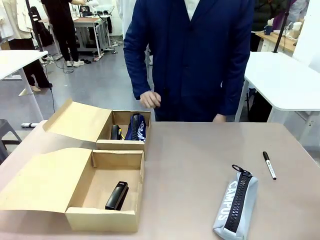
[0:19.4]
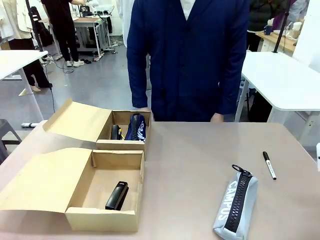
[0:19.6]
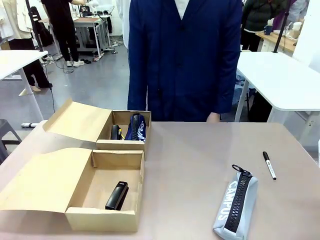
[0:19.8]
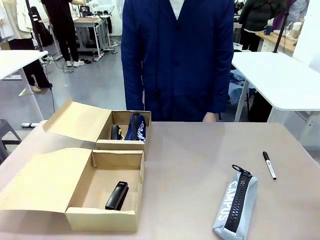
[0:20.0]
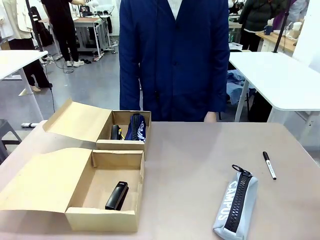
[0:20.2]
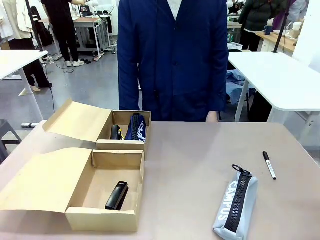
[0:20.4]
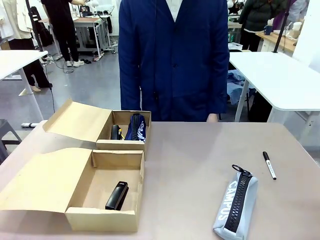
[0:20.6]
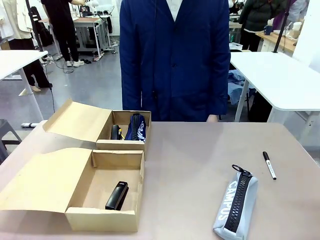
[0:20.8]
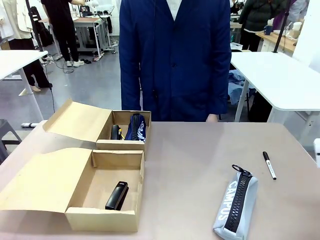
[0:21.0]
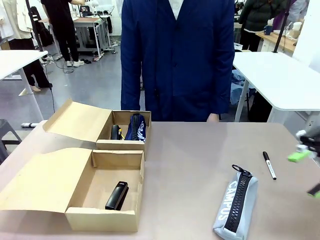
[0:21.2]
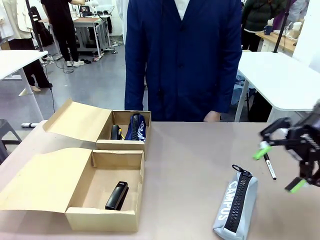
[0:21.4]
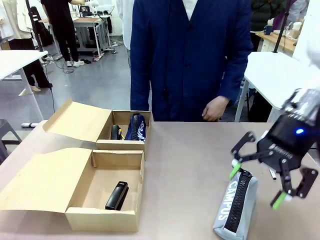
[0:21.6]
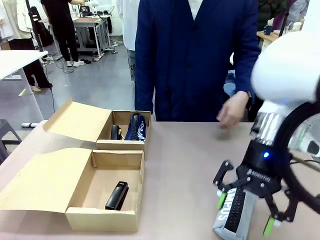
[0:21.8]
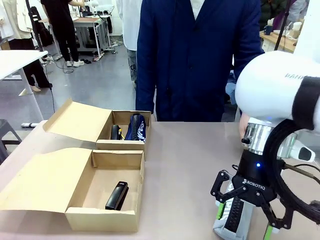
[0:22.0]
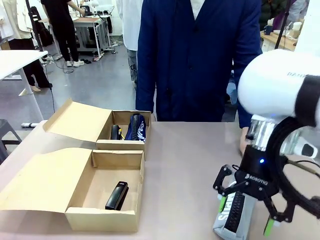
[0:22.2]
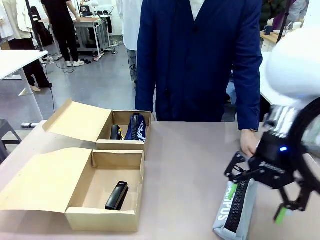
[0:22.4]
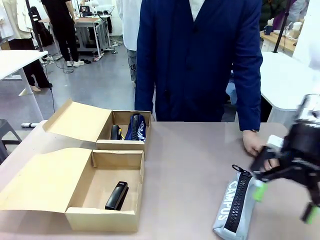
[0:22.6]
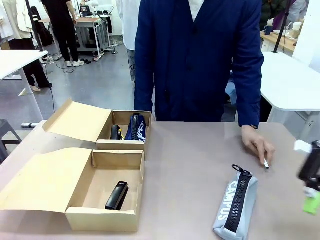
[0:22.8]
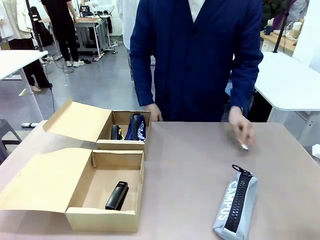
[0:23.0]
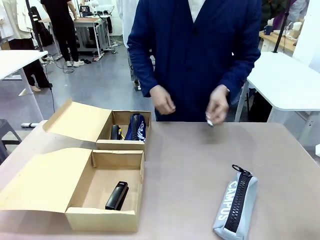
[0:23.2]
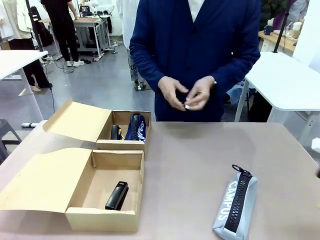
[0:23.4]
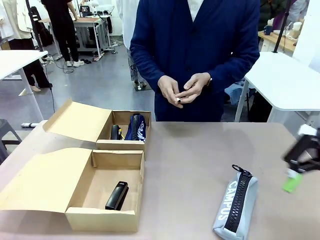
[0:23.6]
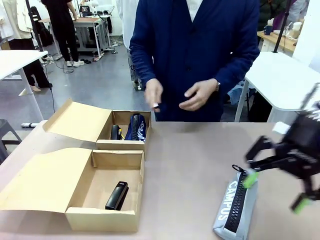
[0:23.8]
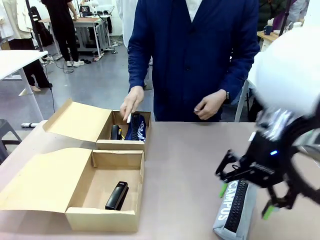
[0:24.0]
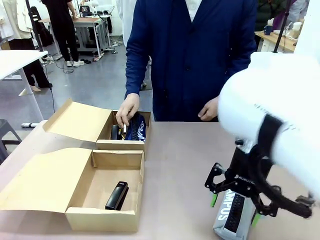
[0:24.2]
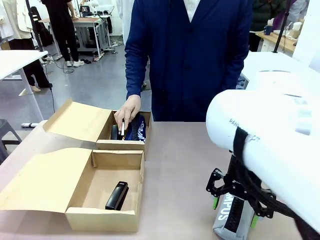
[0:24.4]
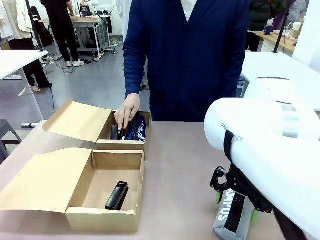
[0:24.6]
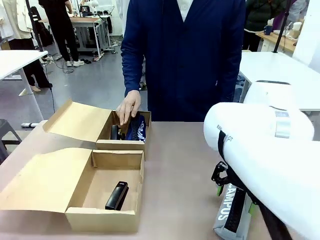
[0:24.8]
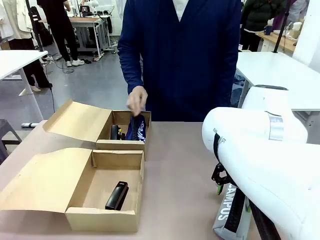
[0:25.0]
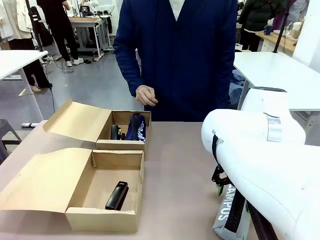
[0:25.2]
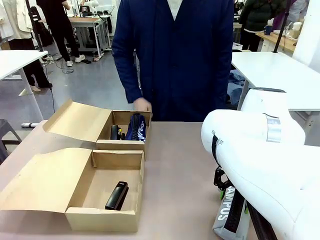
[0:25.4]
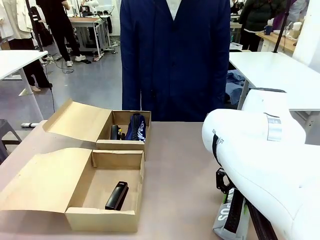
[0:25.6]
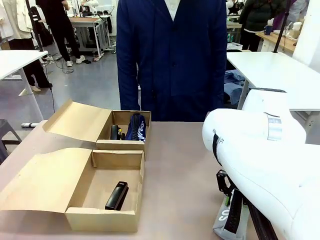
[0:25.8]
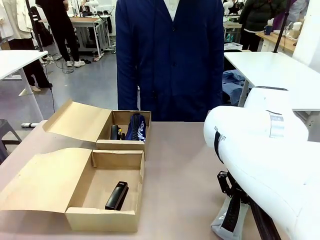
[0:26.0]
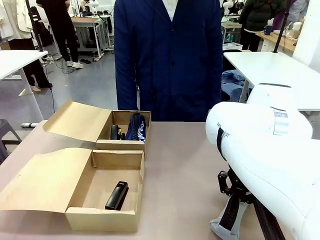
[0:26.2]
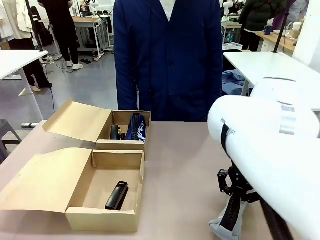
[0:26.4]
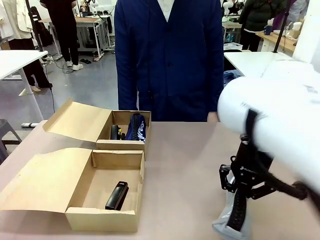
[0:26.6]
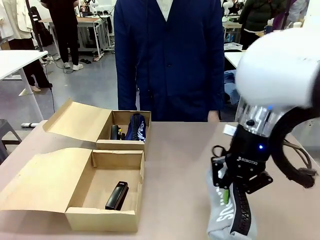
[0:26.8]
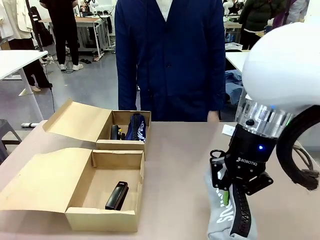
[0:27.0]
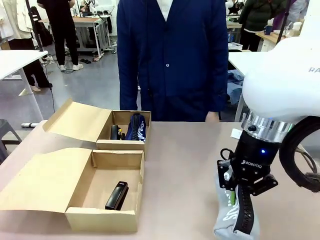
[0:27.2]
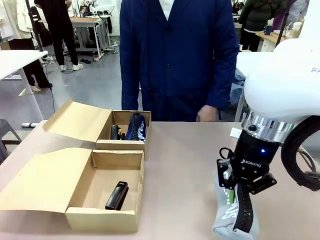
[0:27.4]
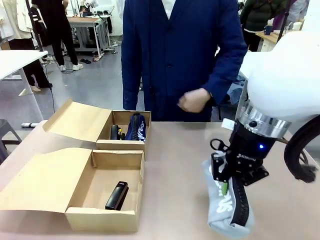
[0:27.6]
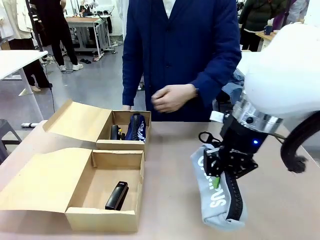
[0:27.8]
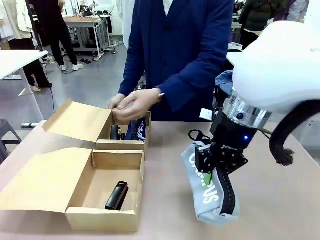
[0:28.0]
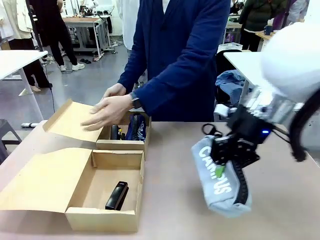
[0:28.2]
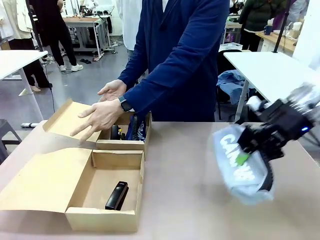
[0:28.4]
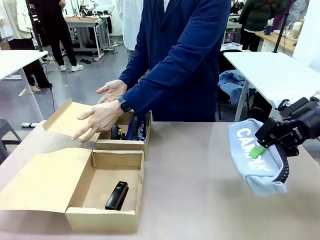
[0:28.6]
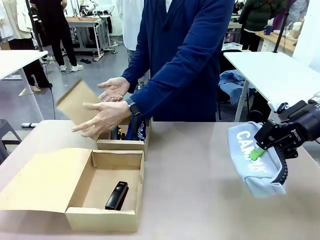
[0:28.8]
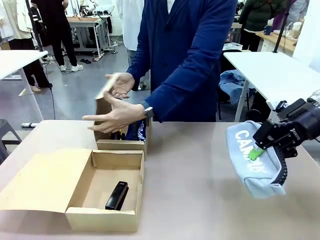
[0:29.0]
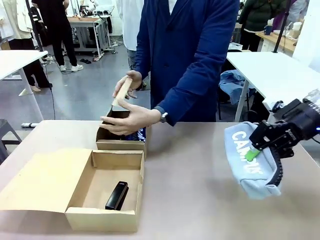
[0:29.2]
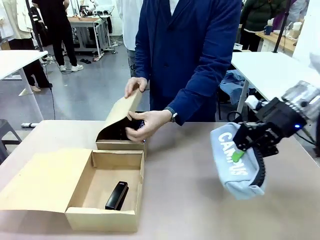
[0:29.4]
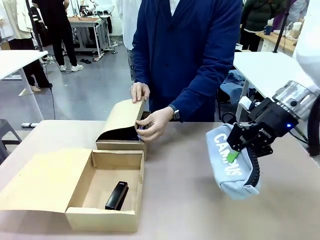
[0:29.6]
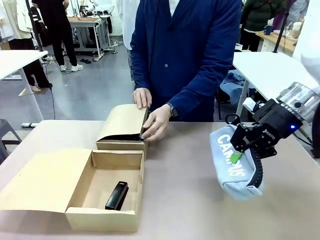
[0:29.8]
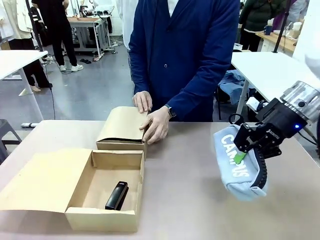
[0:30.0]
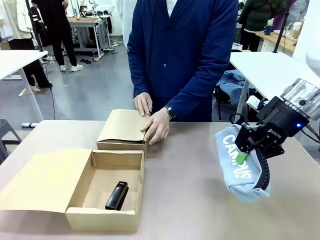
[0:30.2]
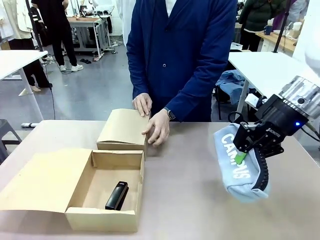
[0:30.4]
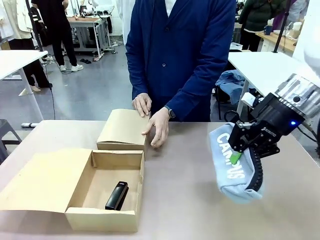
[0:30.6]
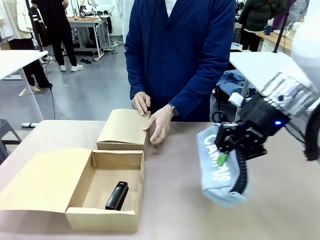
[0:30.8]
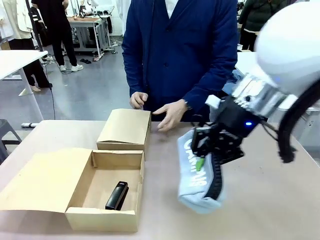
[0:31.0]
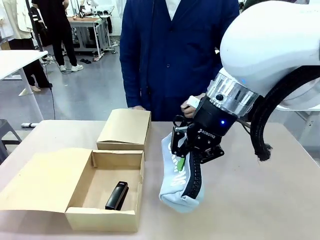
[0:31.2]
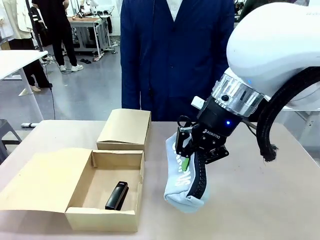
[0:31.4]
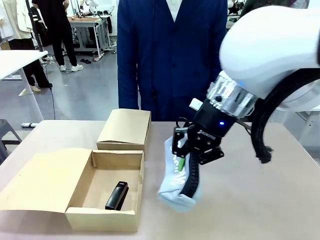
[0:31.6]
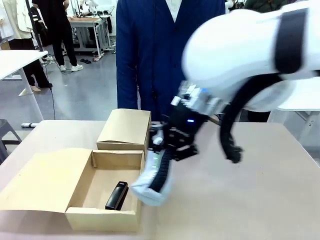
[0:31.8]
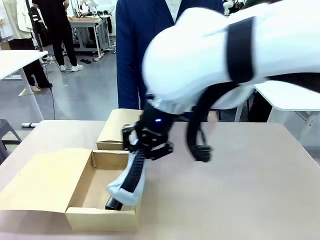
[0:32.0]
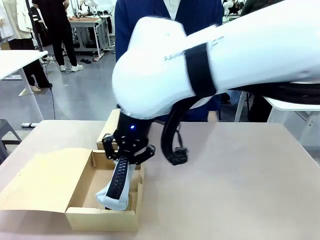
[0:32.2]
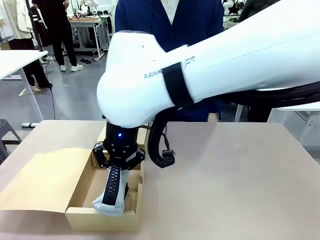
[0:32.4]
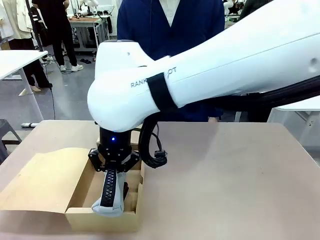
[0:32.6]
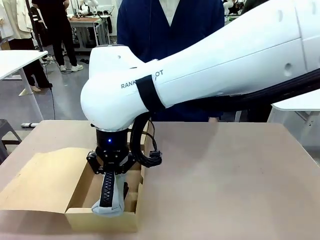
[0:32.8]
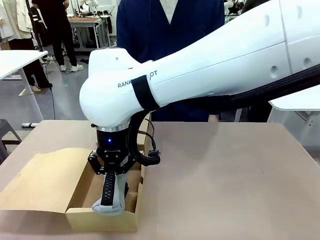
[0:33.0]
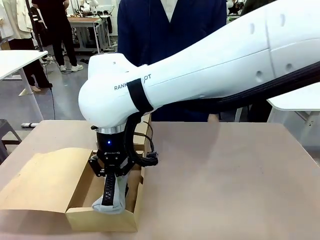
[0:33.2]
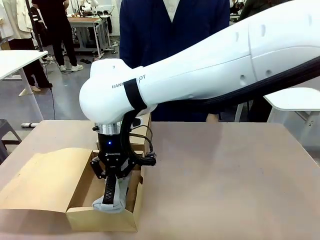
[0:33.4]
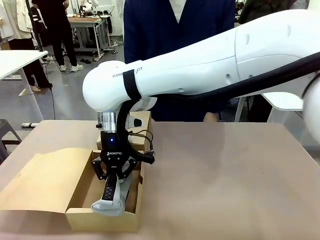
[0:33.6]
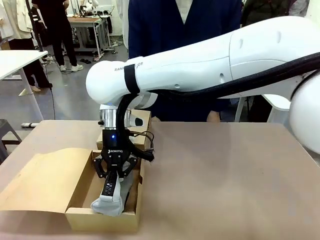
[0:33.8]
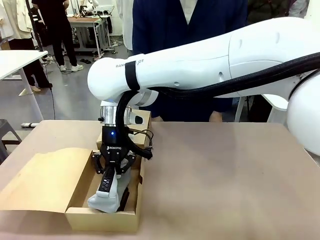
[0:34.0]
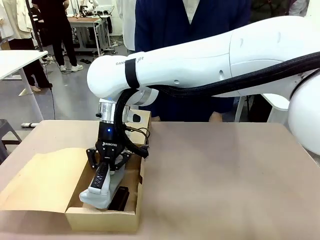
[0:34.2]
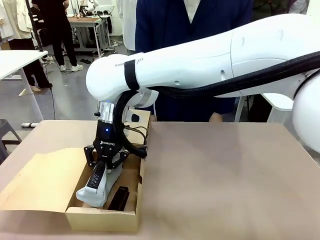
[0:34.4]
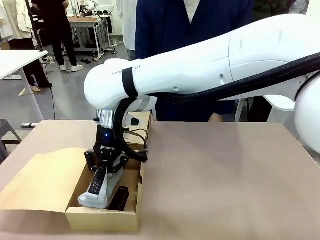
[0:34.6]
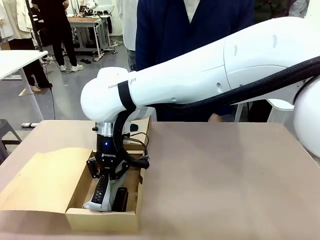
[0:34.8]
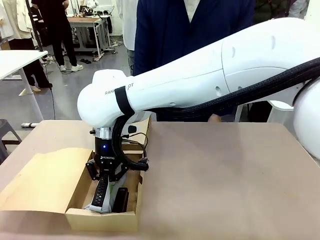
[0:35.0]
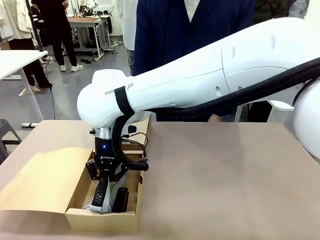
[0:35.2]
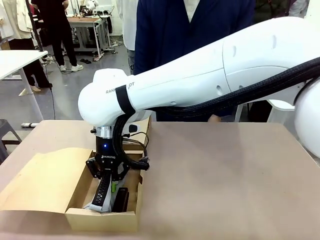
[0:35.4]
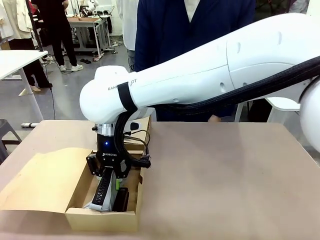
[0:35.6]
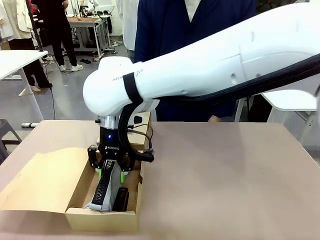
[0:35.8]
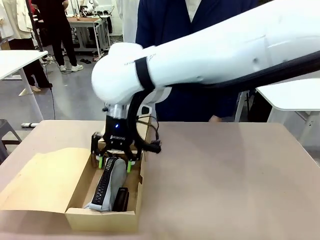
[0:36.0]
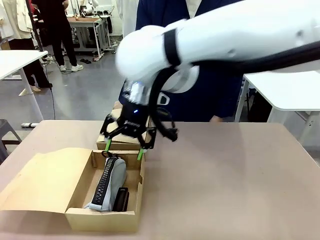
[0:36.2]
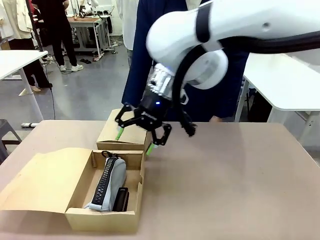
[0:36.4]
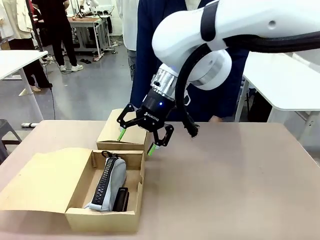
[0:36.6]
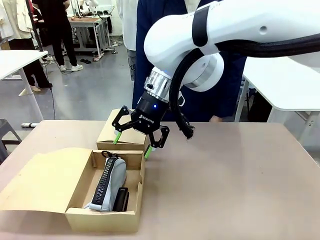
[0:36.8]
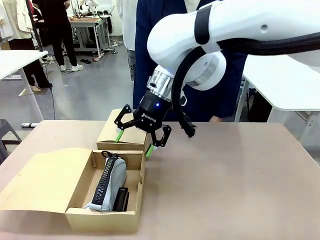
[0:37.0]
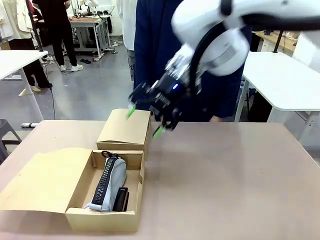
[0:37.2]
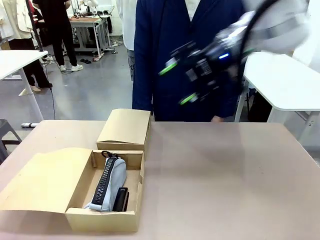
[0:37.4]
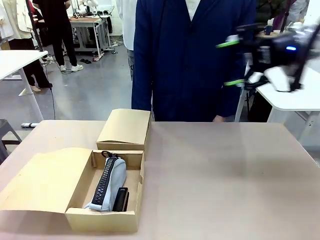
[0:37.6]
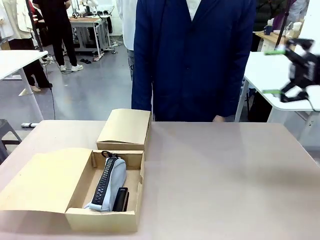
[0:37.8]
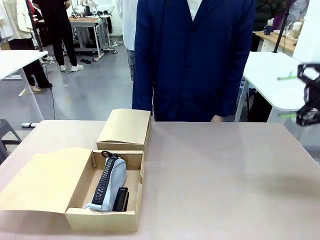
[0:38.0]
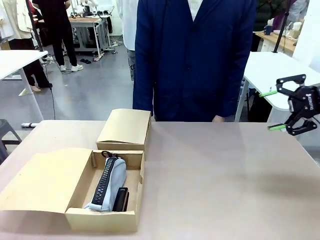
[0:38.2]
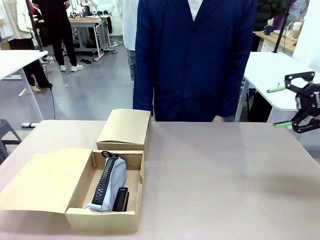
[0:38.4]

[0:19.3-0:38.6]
Task: Place items inside the box.
Robot: Pick up a Pencil pouch or Stapler and place it inside the Mailer Box closest to the robot.
Person: Close the lid of the box facing the person.

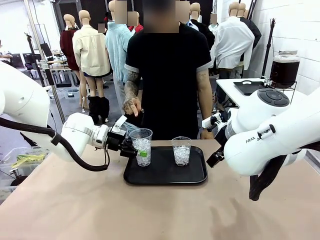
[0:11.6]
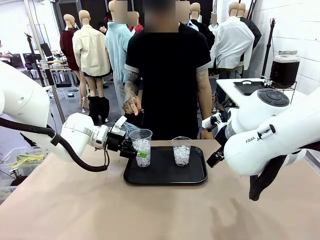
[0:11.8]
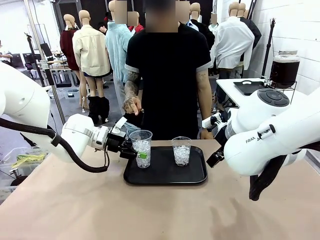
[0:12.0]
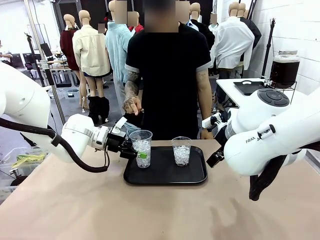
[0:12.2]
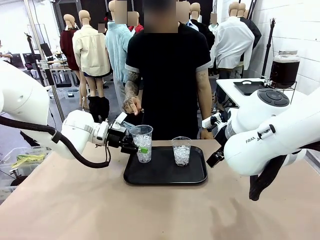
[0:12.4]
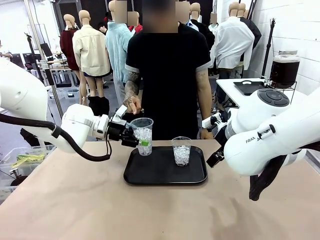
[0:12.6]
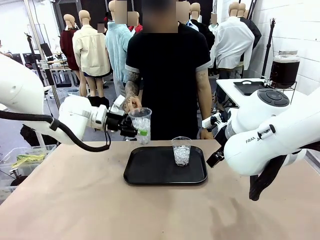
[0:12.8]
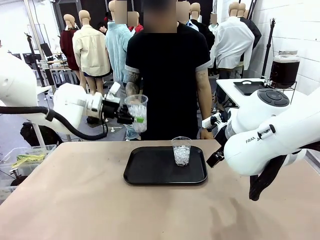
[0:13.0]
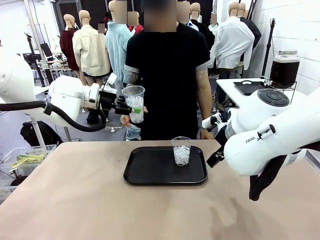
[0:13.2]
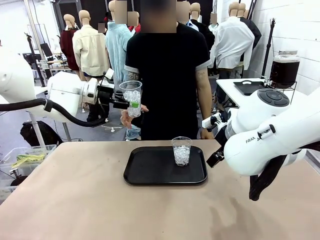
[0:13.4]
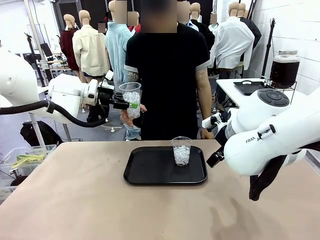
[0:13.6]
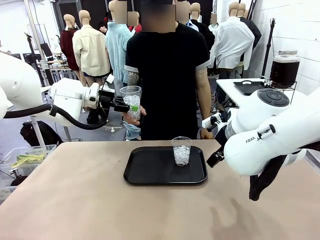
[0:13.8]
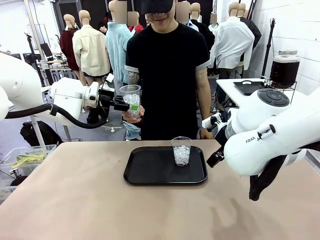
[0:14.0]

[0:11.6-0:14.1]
Task: Pour the drink into the iced cup.
Robot: Open the gripper to release the iced cup you were holding.
